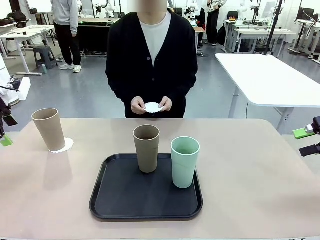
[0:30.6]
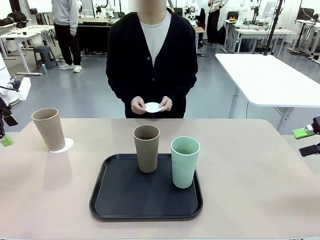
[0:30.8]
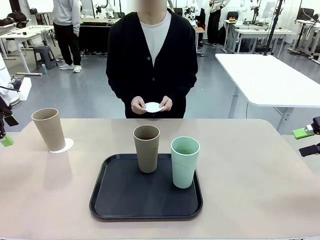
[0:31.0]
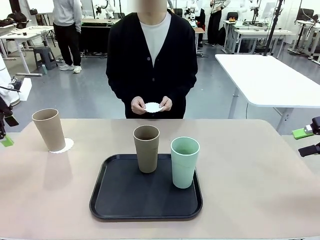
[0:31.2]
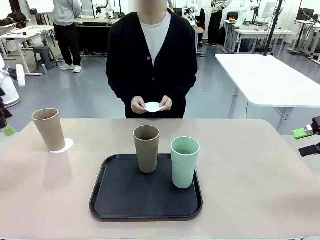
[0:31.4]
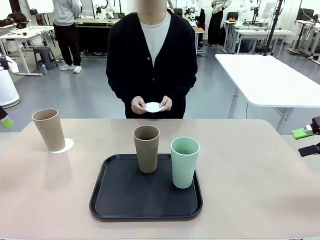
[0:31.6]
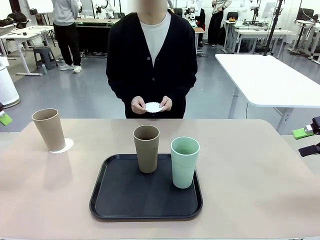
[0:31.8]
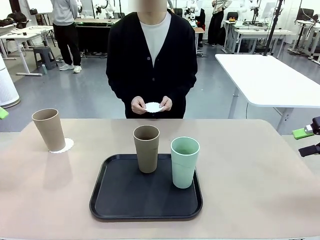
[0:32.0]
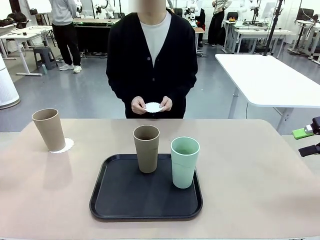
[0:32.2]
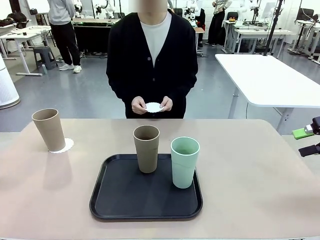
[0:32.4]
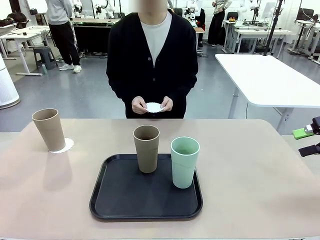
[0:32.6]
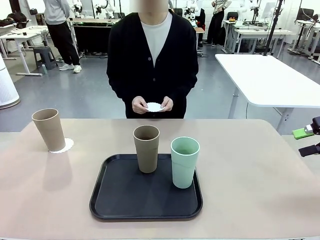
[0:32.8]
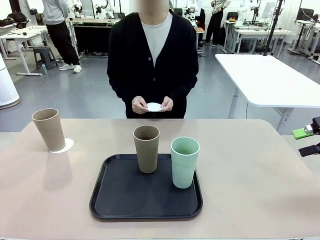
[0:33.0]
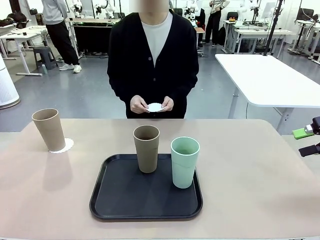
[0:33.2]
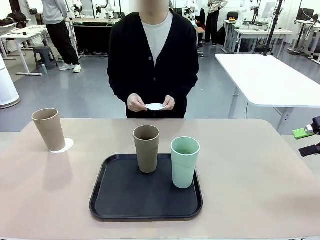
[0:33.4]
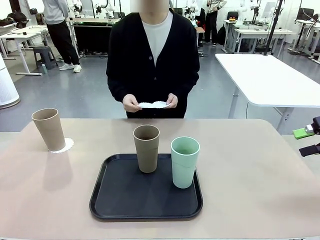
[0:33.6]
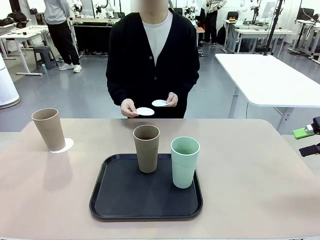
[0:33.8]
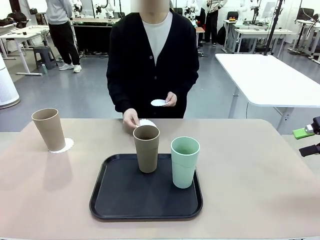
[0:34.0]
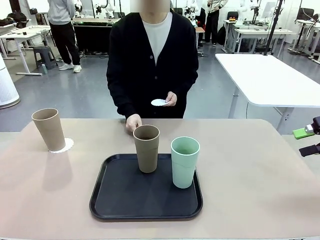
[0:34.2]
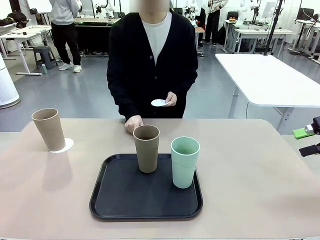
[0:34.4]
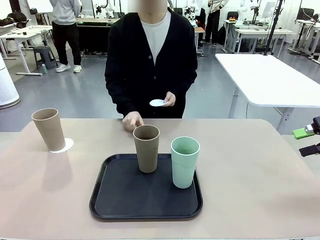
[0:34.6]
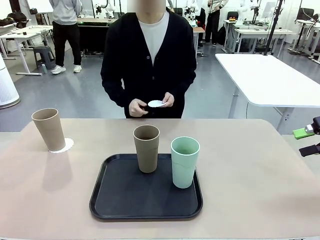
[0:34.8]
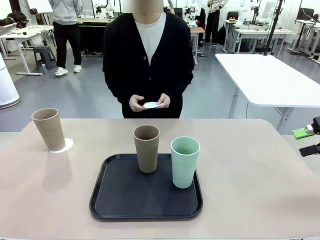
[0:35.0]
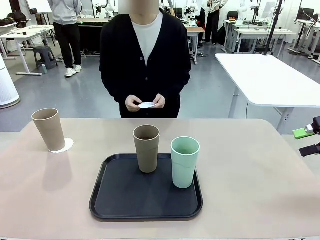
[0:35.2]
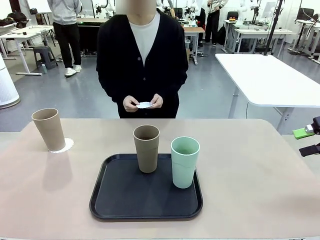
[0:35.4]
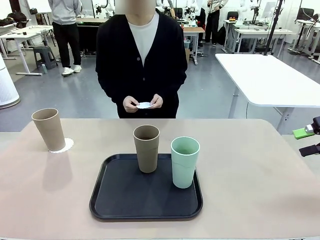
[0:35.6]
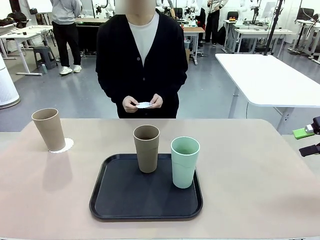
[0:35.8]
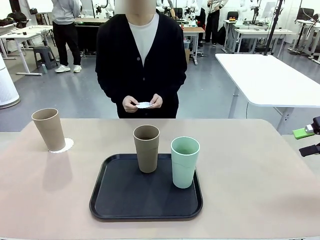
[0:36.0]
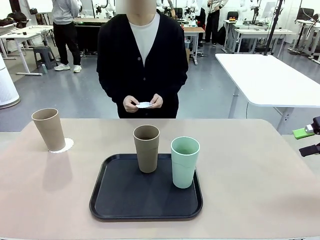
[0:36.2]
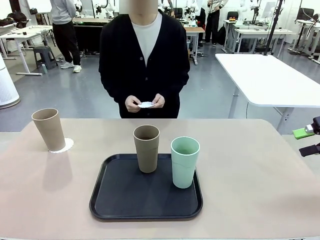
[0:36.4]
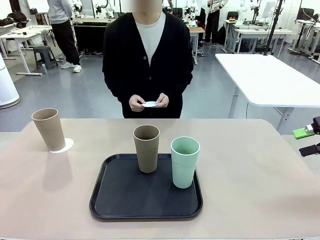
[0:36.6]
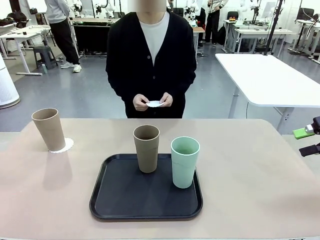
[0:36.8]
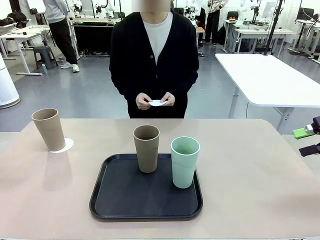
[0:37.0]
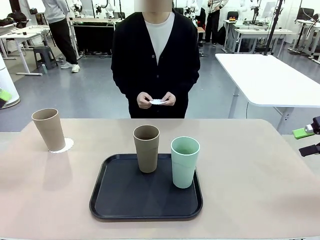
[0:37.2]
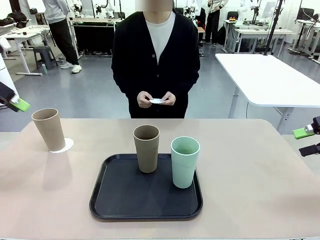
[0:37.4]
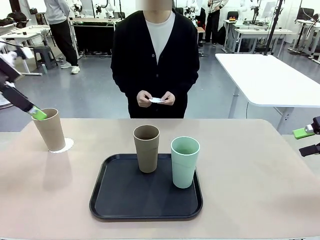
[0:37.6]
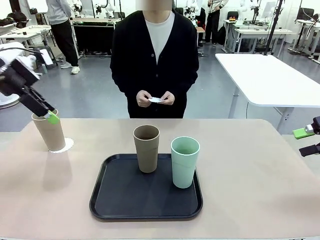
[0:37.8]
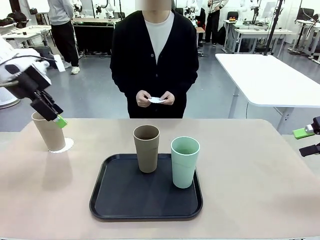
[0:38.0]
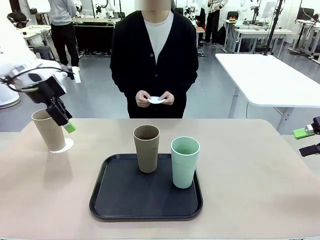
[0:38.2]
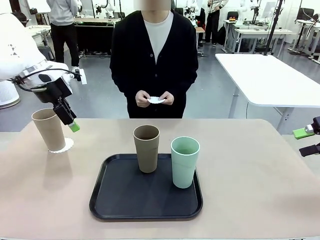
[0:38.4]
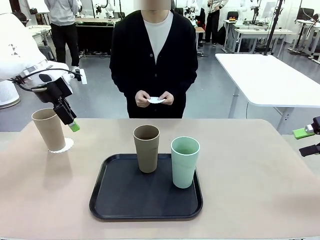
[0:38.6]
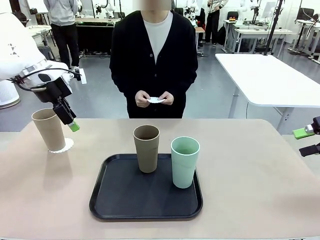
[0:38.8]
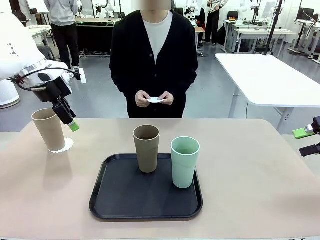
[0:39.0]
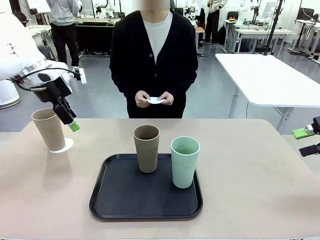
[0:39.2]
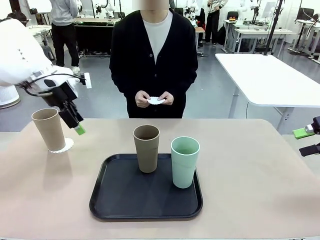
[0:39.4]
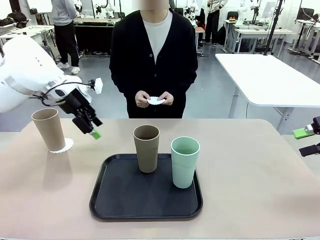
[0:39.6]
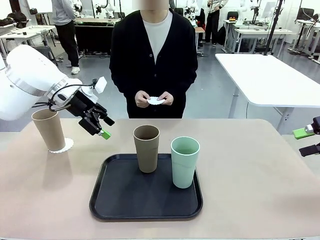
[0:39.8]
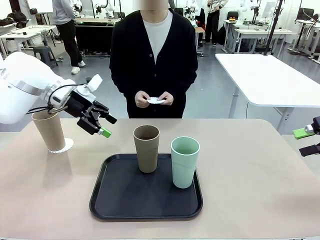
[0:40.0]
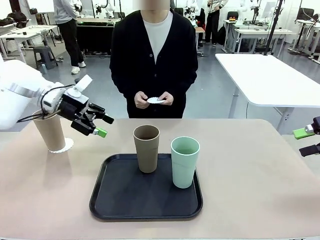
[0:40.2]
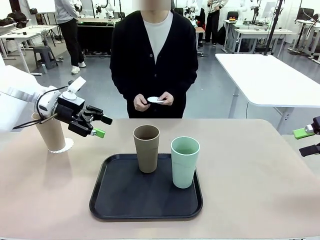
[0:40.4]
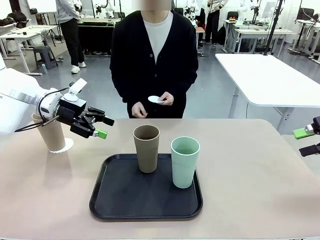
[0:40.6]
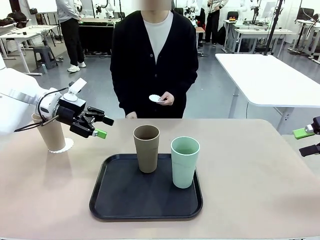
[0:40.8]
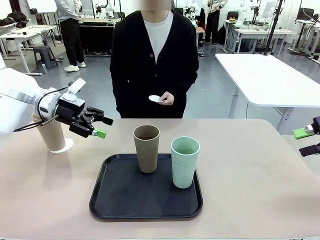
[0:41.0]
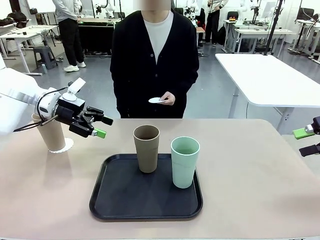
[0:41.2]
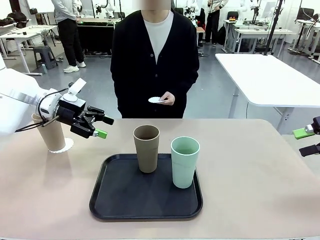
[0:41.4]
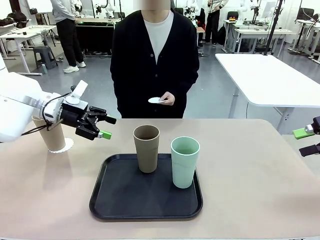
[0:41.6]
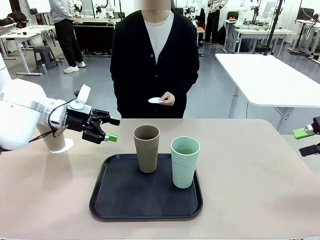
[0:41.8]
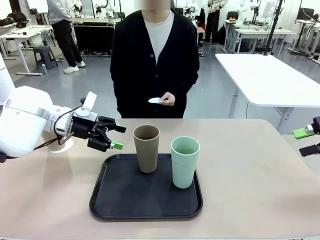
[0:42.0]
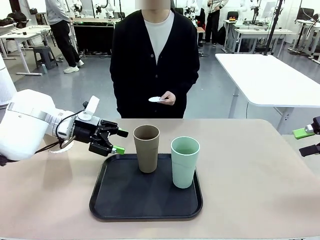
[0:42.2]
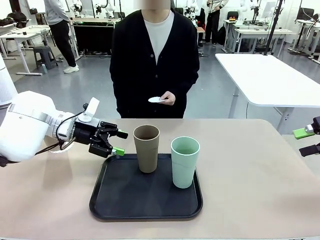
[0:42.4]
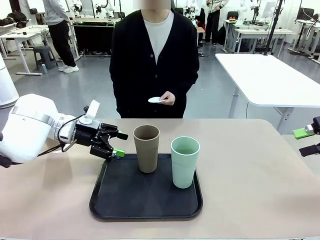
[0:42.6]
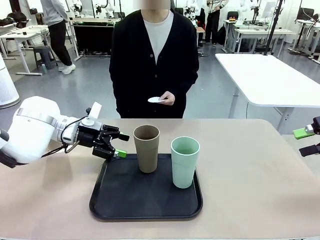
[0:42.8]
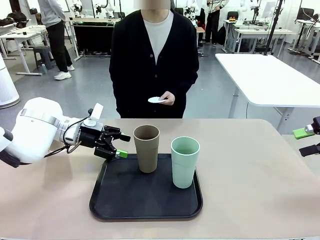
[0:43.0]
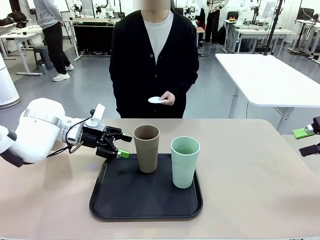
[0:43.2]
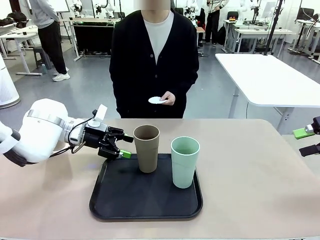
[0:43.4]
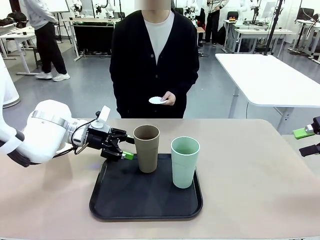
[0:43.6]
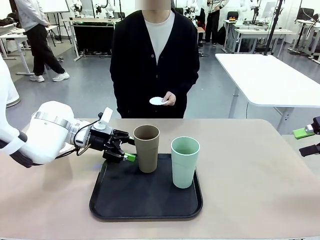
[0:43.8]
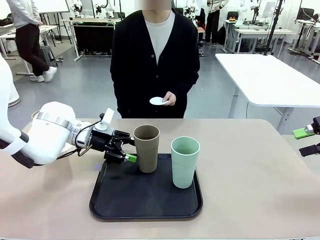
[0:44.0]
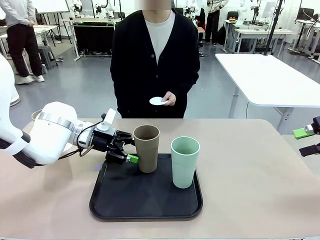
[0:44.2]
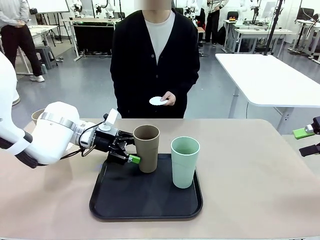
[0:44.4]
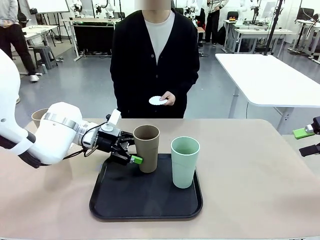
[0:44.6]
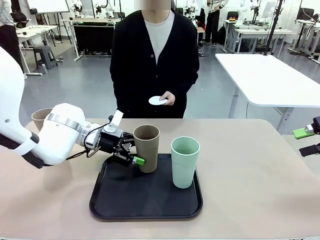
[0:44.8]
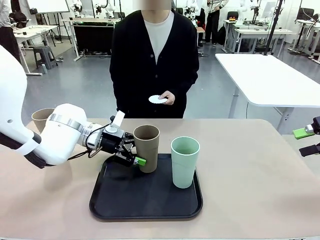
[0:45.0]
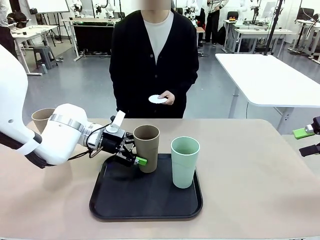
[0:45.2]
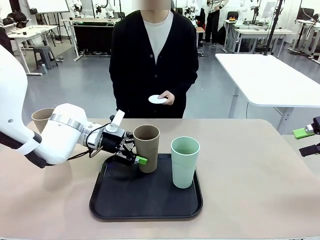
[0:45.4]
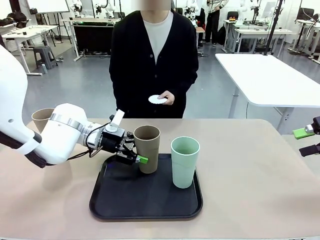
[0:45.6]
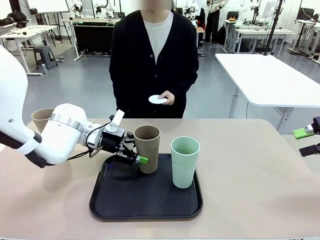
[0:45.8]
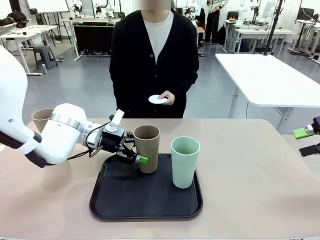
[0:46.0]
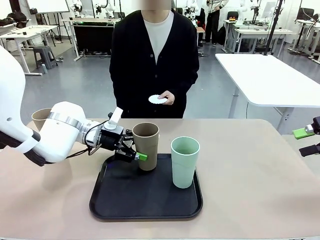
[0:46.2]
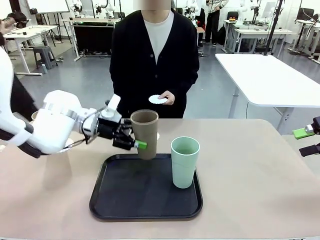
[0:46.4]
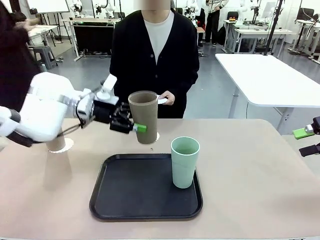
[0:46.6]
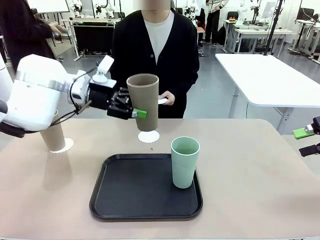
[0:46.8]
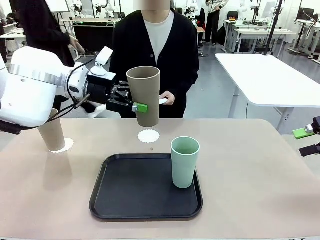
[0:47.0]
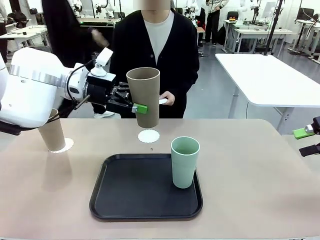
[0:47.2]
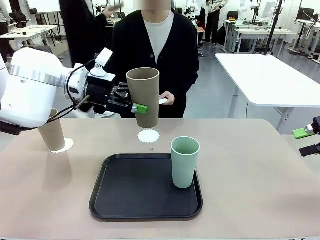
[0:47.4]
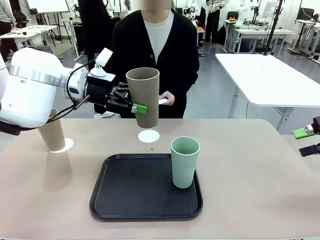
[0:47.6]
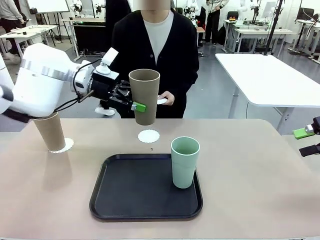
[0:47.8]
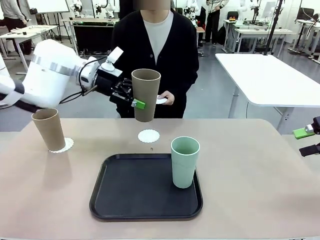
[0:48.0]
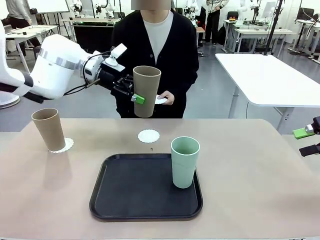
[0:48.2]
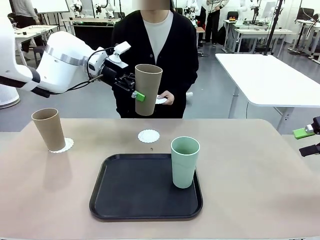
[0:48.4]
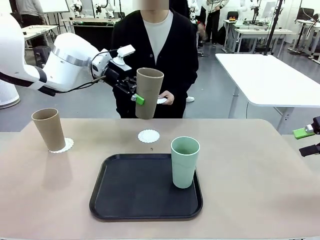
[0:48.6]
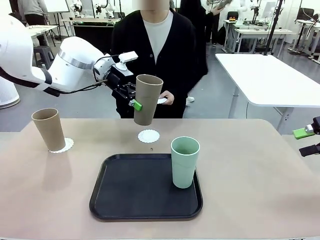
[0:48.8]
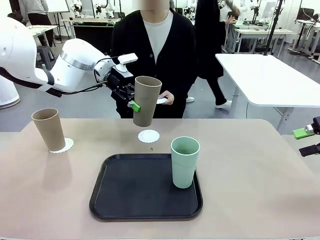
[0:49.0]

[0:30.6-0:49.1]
Task: Place coasters on the table and set cups on them.
Robot: Take one Reusable plastic cup from the Flat Tray and place it on a coaster set by the human.
